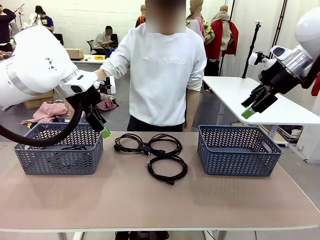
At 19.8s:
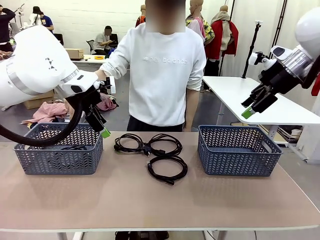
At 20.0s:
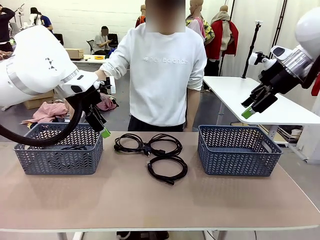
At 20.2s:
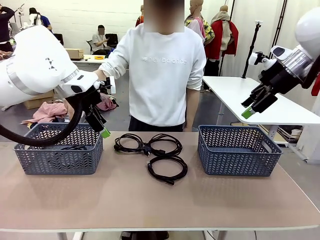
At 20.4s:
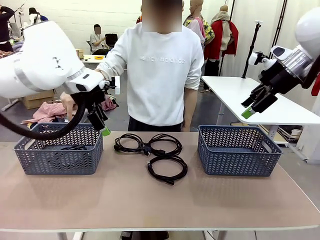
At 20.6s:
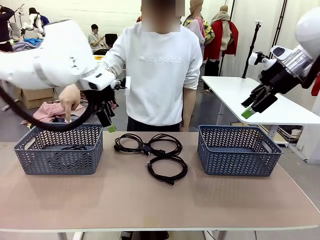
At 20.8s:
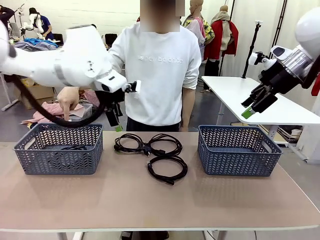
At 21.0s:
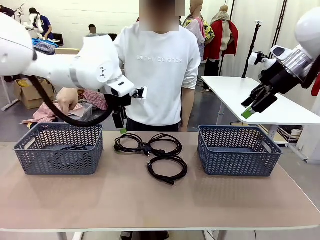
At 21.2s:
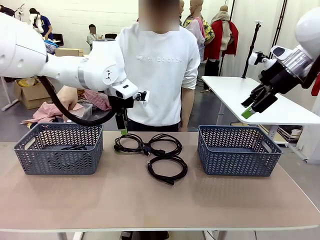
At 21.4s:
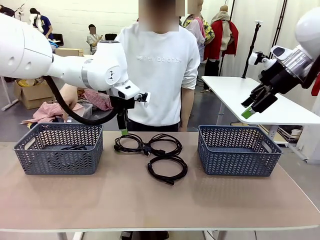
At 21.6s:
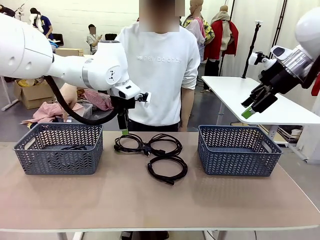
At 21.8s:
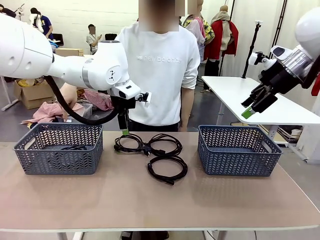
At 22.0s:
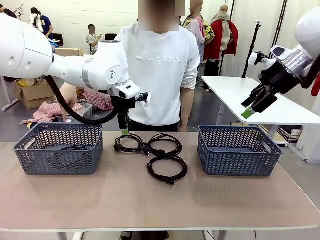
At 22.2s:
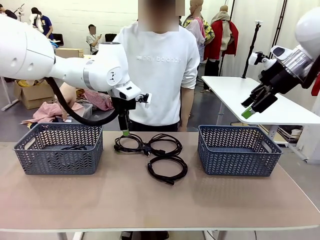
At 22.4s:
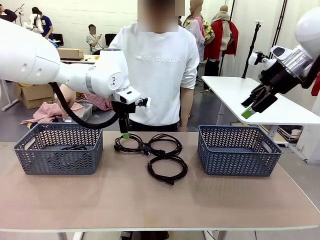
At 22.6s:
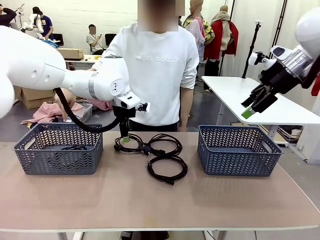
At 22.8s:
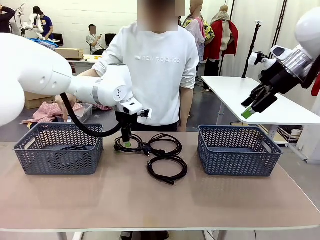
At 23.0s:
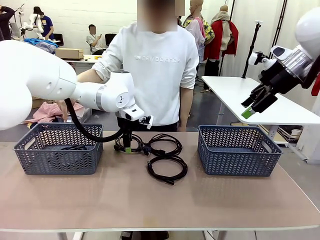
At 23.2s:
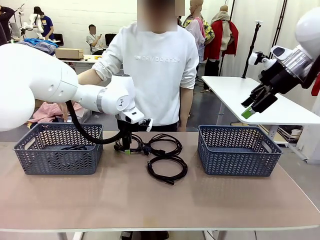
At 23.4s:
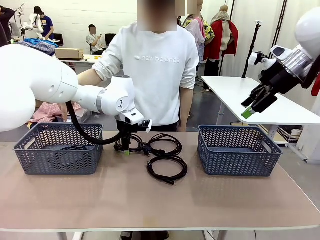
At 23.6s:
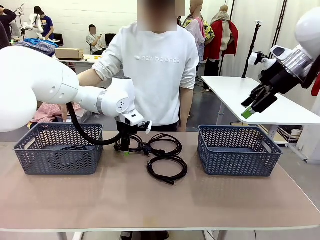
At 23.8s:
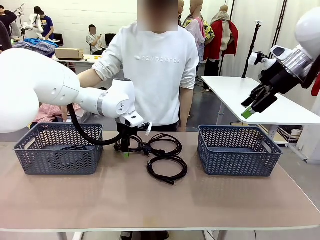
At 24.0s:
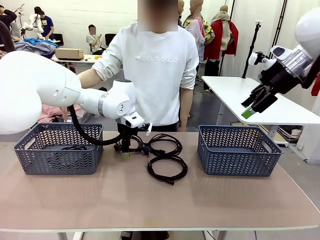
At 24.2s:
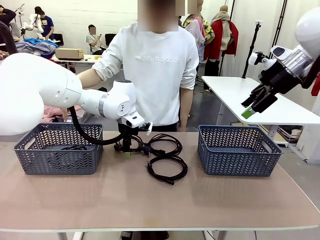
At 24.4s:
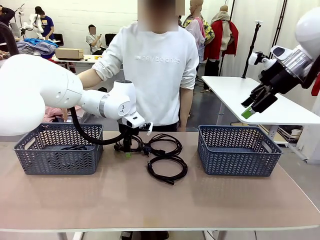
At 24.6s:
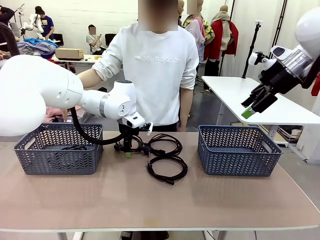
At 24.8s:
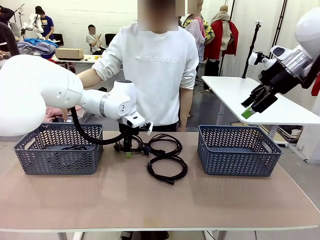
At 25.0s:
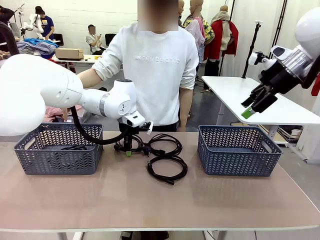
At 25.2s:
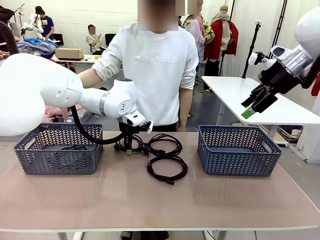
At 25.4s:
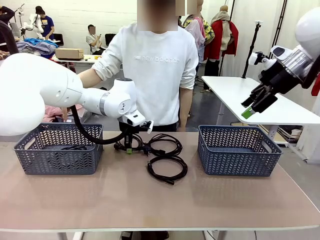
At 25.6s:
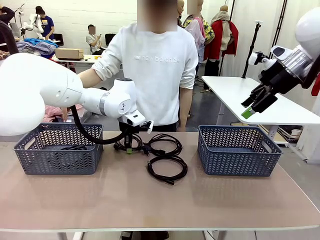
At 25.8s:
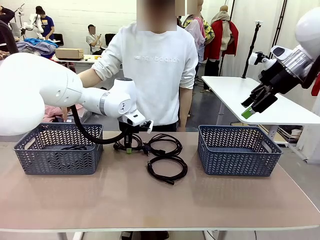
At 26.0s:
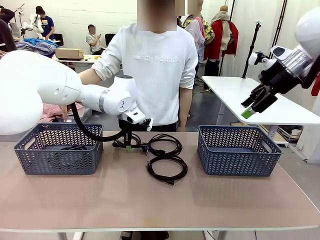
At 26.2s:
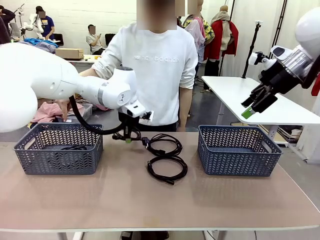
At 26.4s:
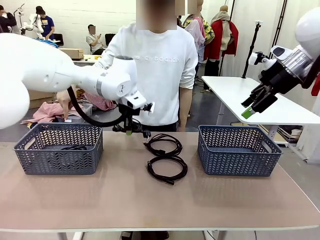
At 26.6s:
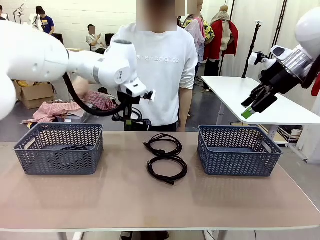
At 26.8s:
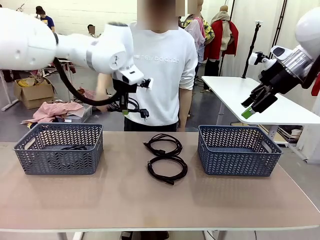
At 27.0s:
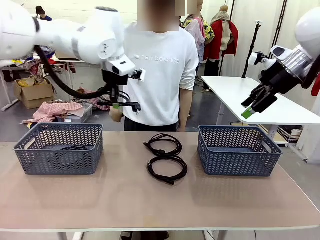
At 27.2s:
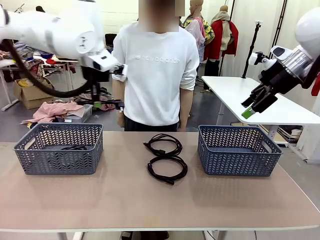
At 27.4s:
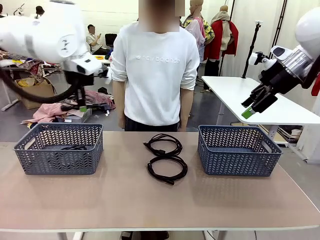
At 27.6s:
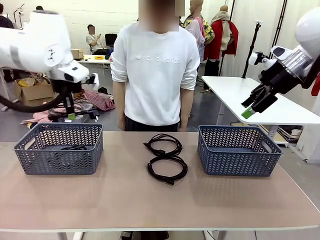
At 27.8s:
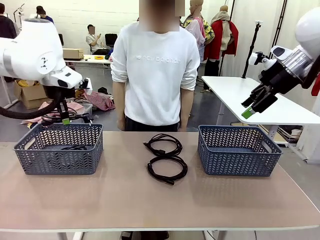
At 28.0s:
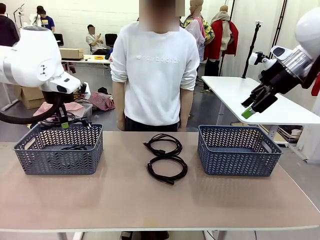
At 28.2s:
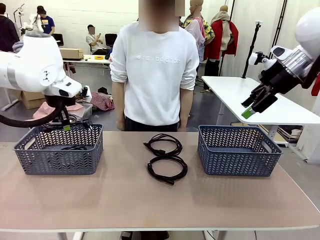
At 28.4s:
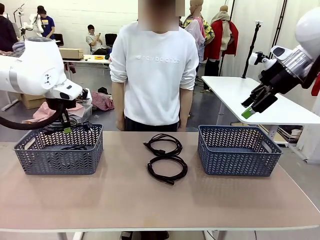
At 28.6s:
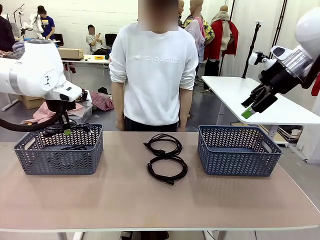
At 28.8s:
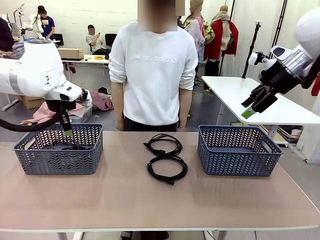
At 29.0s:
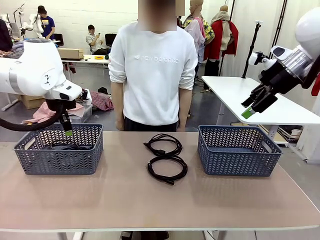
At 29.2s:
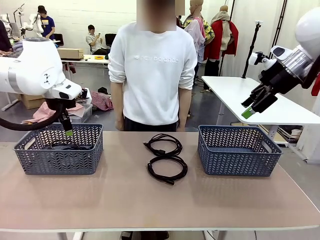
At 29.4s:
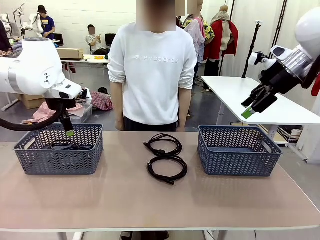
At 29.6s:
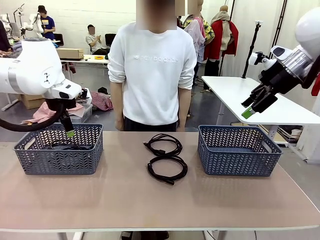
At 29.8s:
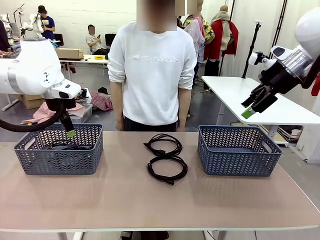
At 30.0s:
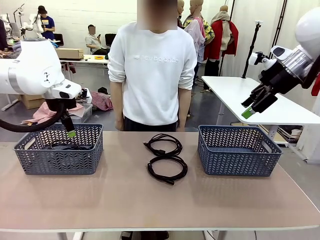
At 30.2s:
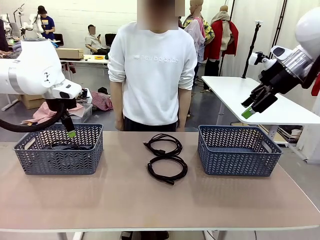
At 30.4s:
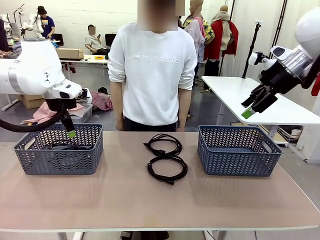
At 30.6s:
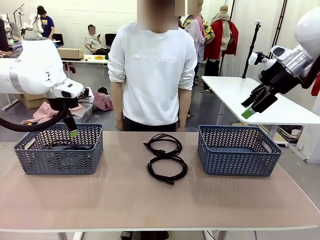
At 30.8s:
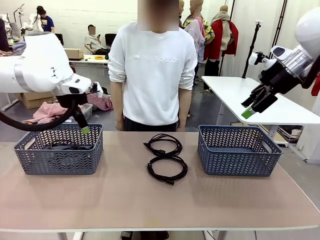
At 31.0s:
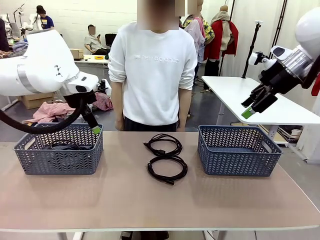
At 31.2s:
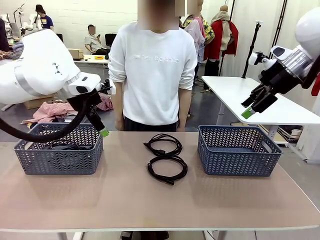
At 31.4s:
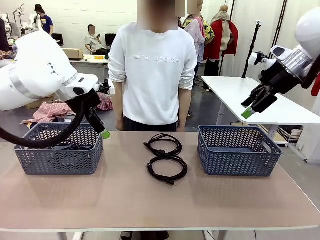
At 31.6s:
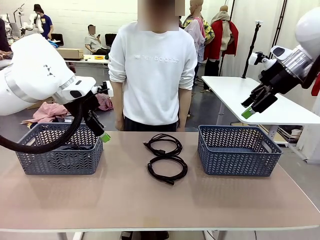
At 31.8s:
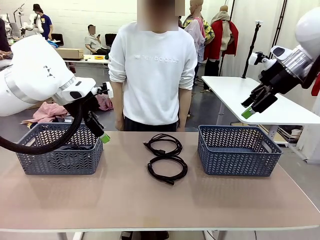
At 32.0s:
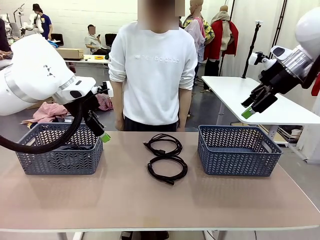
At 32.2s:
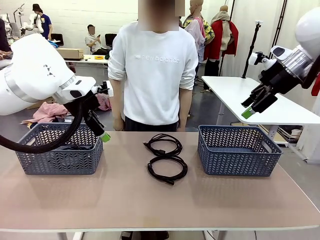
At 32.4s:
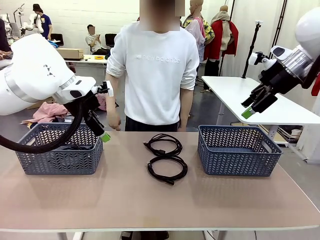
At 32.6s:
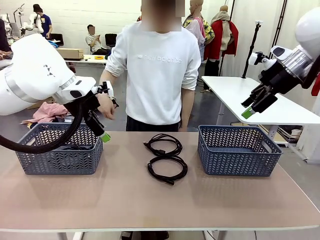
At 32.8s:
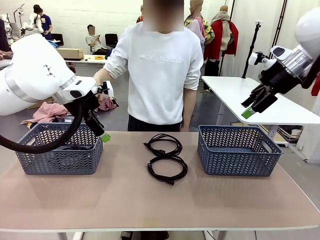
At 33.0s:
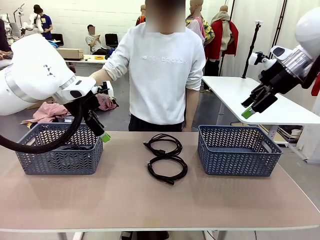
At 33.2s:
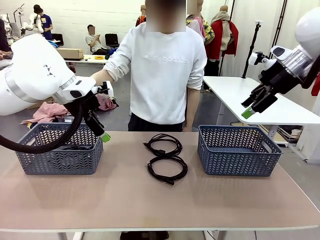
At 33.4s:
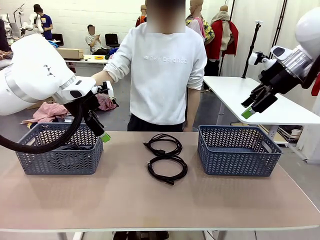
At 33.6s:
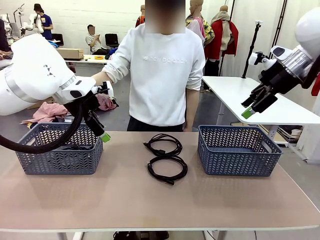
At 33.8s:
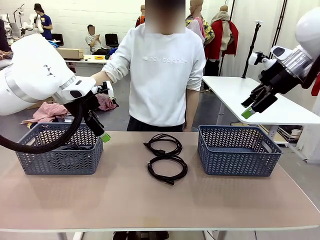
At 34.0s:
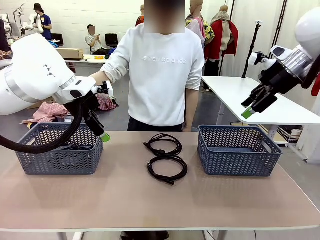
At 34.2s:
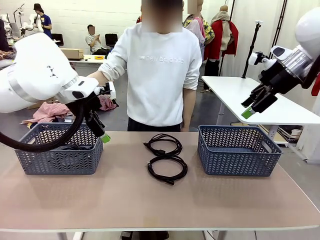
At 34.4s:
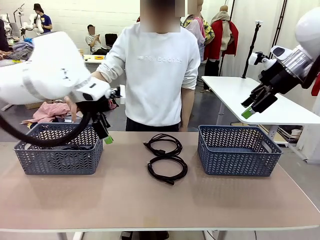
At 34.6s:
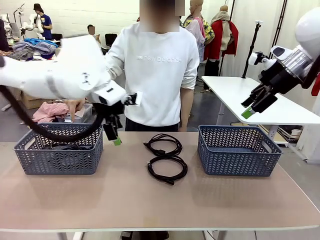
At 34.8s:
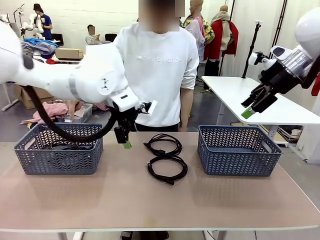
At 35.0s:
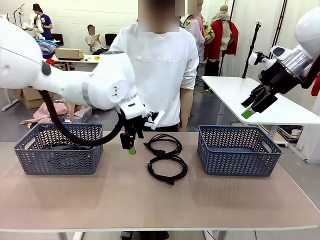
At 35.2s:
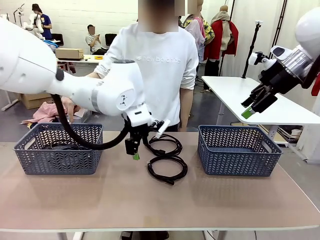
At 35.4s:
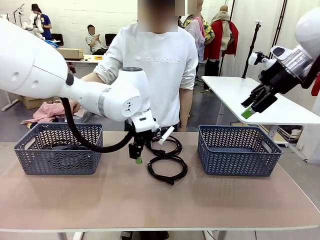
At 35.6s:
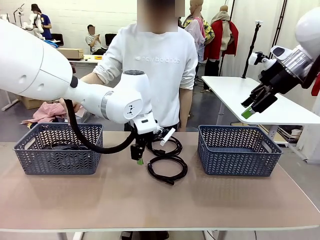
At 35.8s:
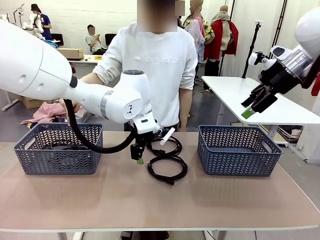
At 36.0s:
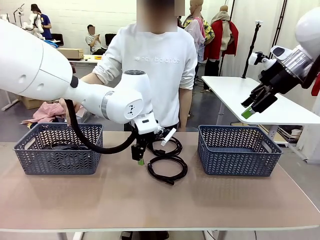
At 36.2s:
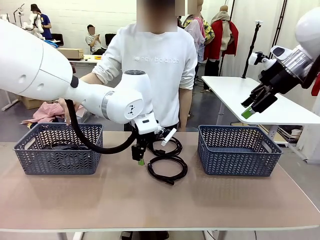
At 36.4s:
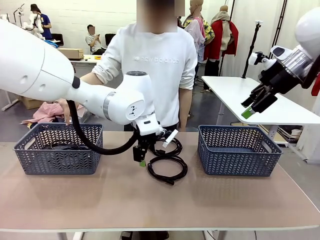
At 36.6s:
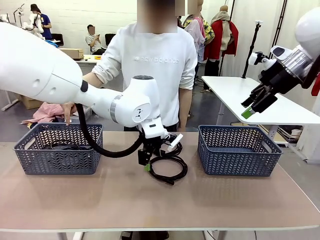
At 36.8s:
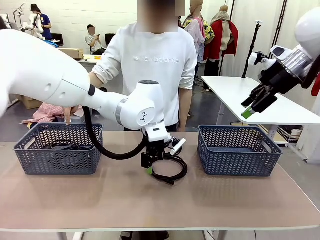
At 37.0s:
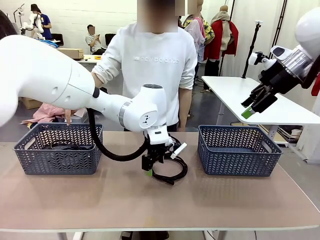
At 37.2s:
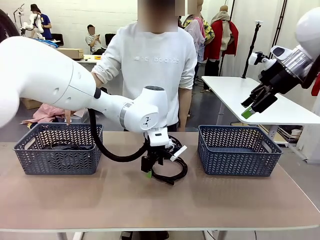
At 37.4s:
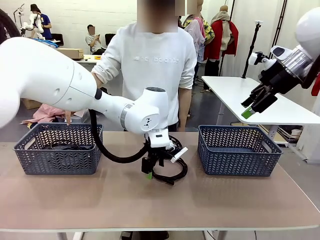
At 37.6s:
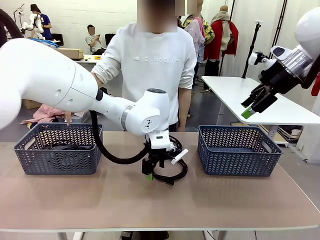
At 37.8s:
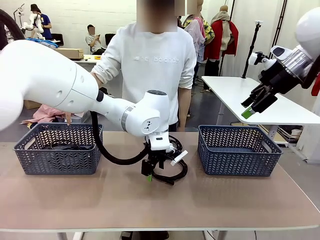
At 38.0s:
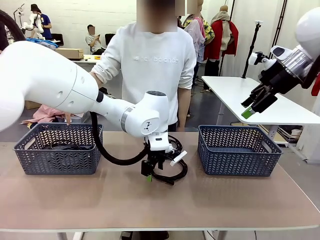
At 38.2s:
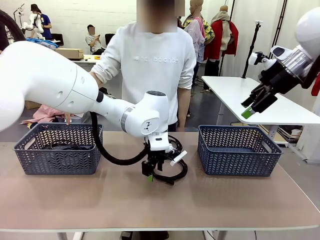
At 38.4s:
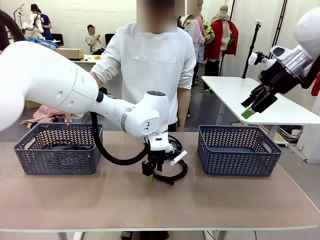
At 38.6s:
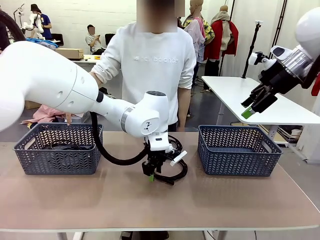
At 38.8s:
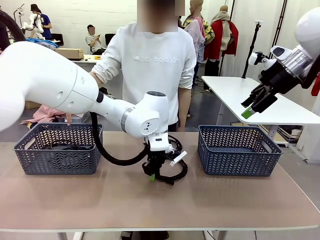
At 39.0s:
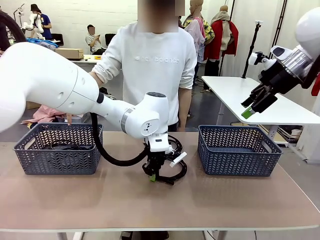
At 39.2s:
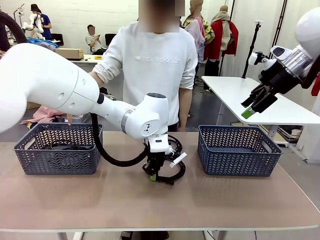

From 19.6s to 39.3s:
Task: Organize the cables according to human instructions.
Robot: Pick up a bundle of cables and place it in the basket indicated by the human.
